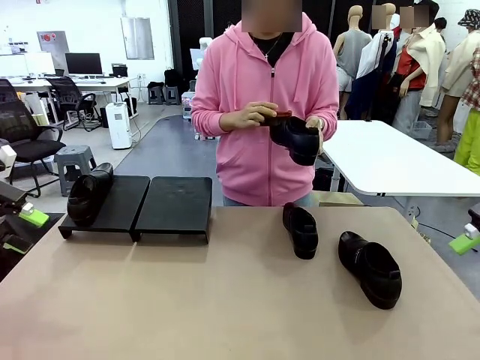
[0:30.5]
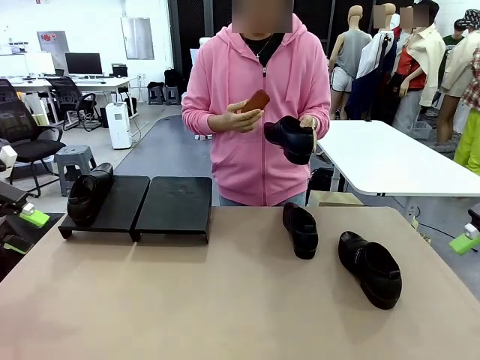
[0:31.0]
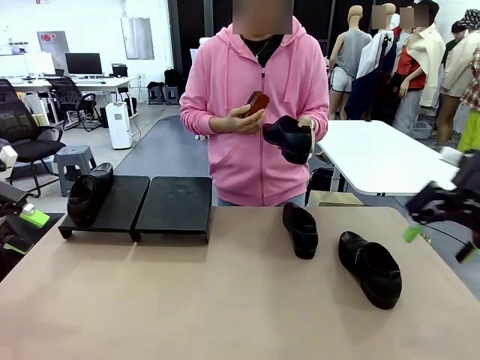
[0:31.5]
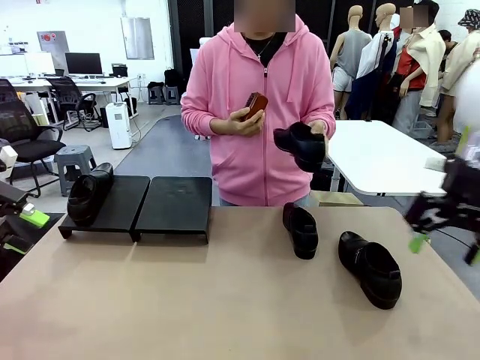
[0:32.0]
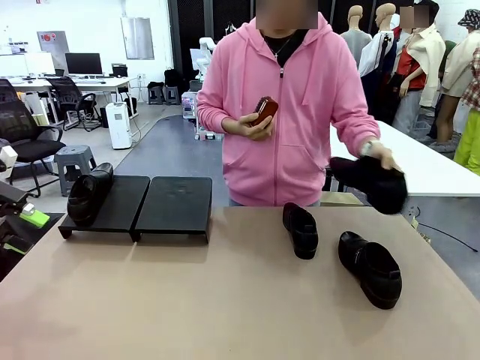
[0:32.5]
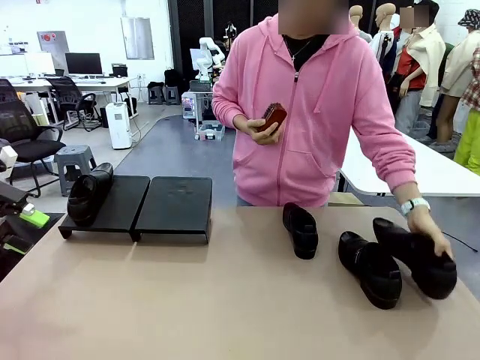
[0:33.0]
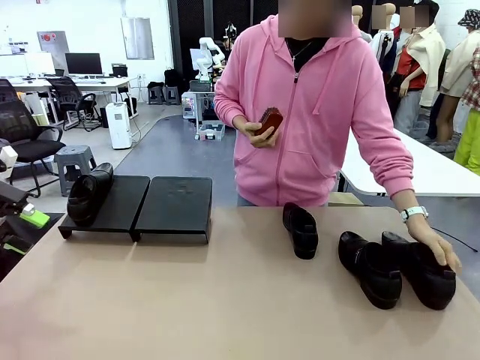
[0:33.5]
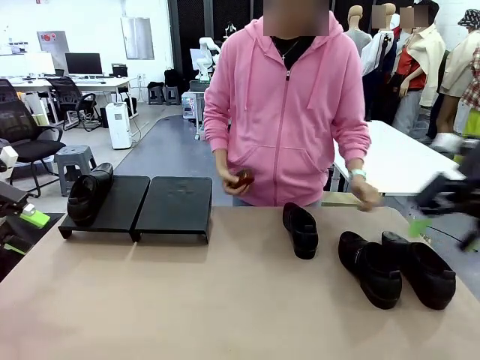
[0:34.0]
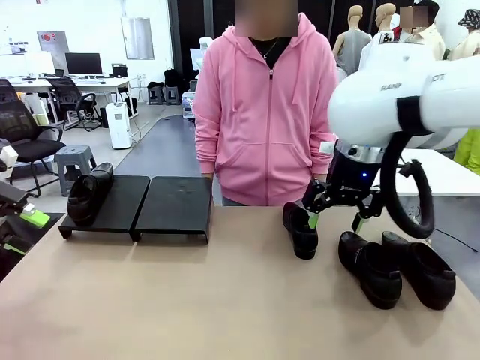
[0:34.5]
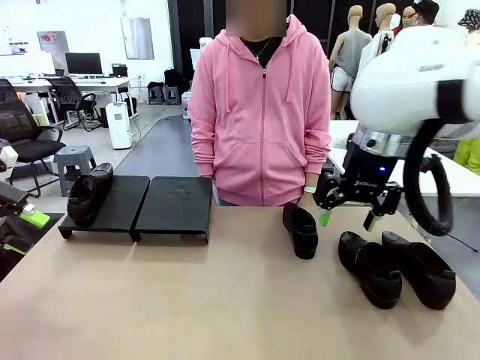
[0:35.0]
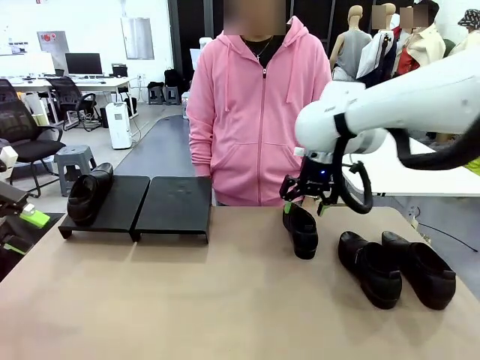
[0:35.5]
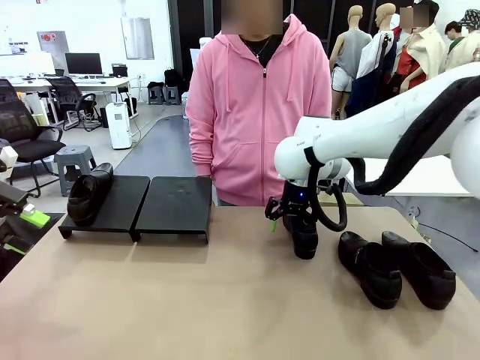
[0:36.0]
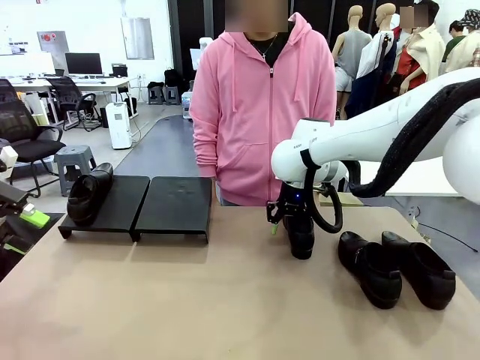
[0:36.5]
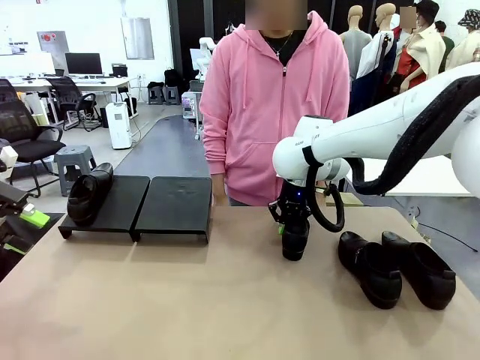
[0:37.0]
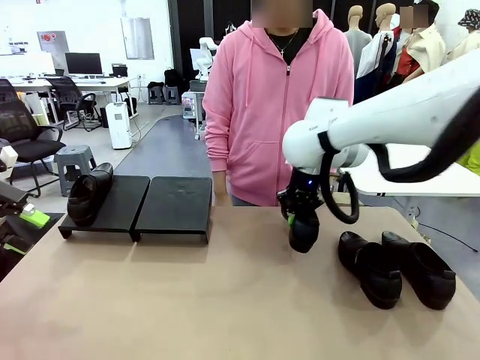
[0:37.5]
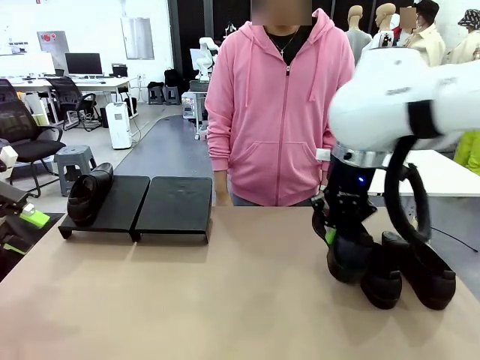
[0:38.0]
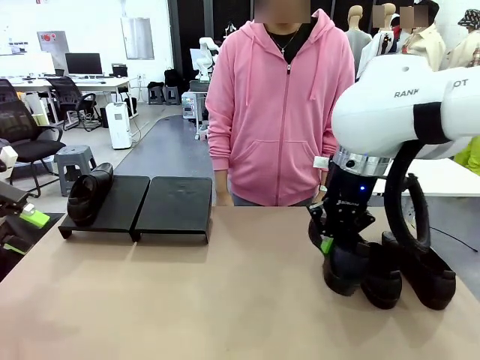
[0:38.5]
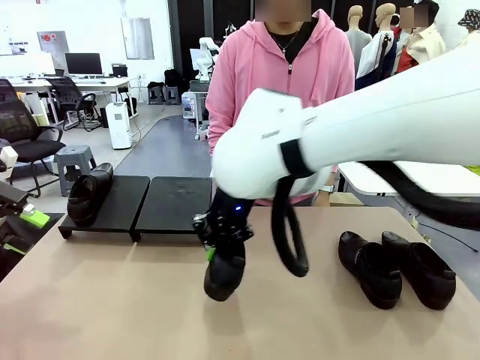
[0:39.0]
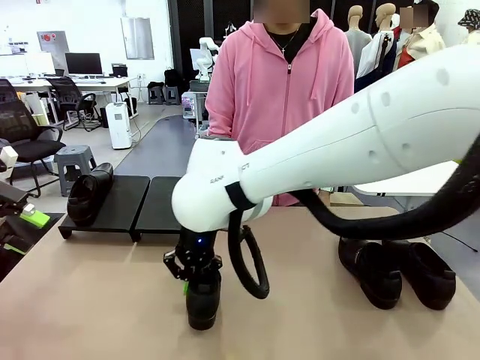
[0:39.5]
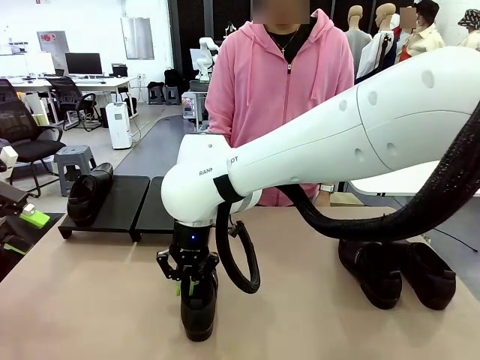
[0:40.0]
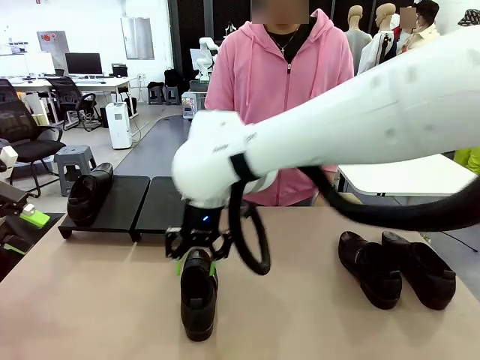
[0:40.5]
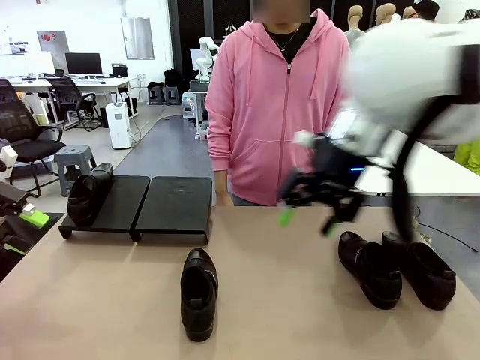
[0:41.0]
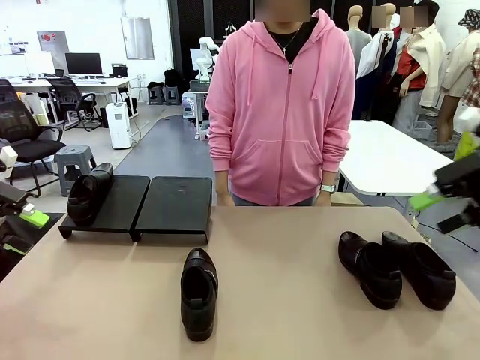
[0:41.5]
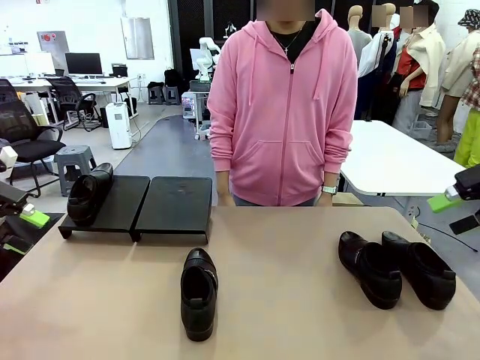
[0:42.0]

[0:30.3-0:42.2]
Task: Organize the shoes by placing them on the stand.
Robot: Pick up one Shoe and place it in the middle of the table.

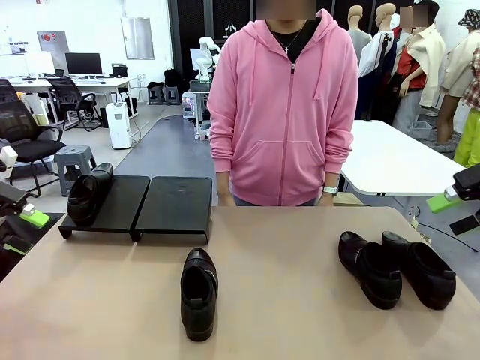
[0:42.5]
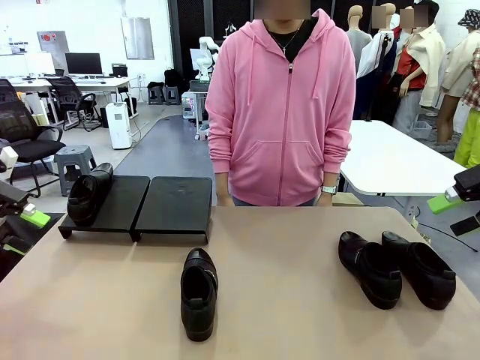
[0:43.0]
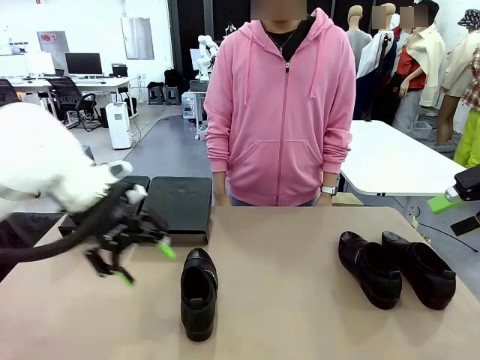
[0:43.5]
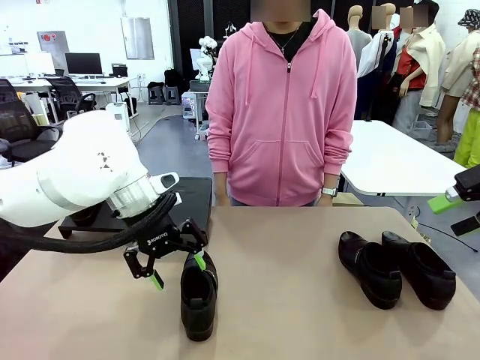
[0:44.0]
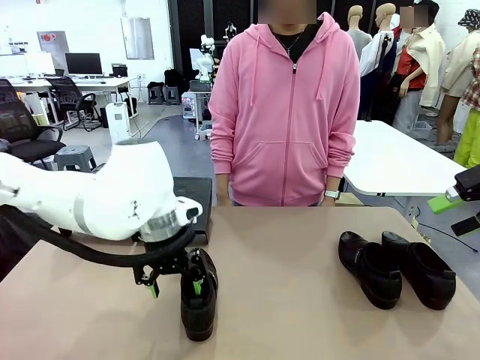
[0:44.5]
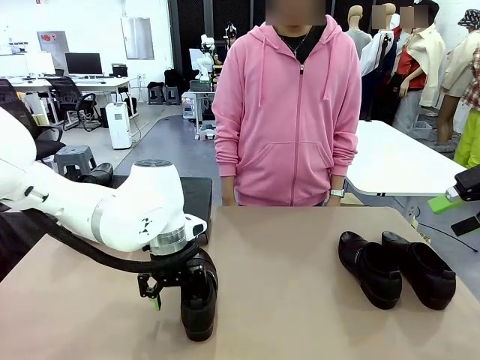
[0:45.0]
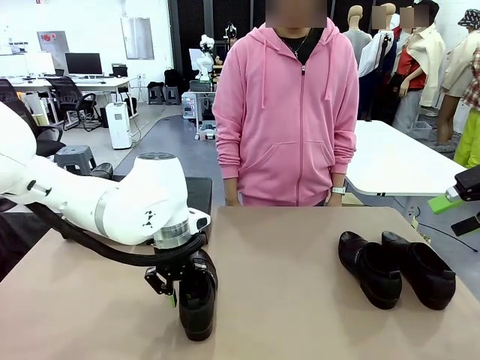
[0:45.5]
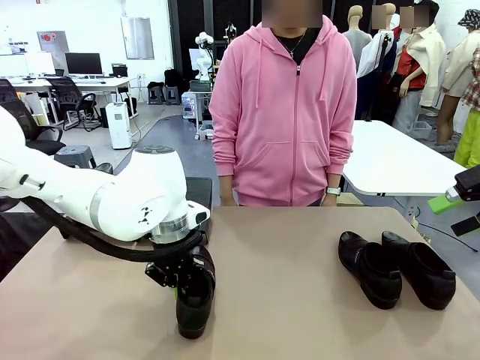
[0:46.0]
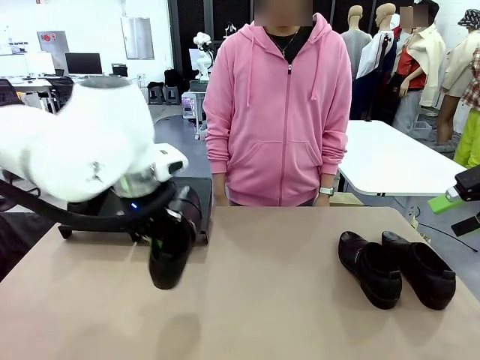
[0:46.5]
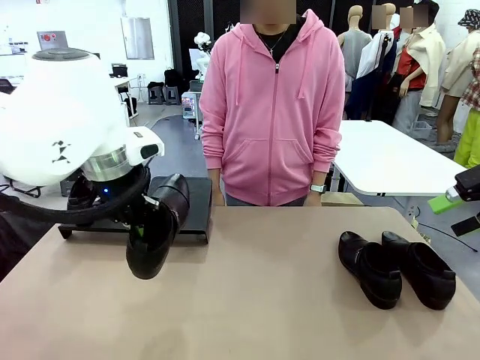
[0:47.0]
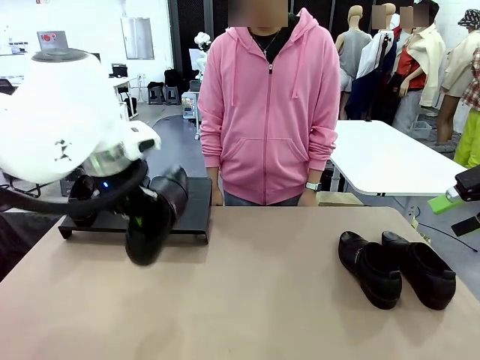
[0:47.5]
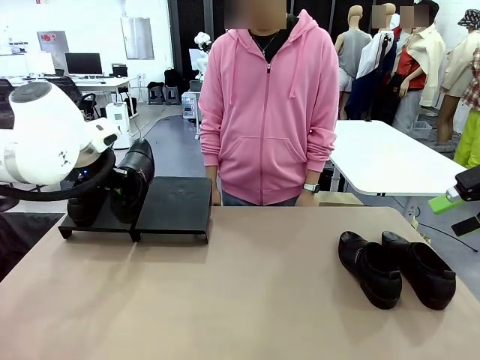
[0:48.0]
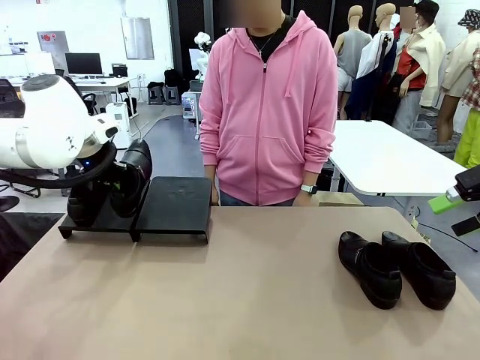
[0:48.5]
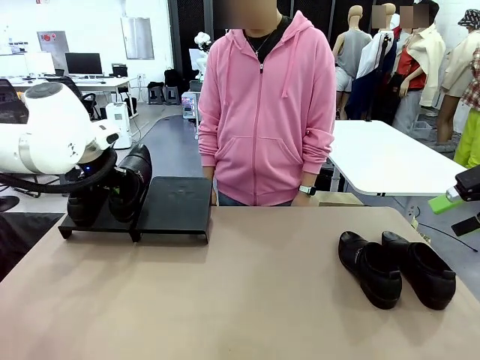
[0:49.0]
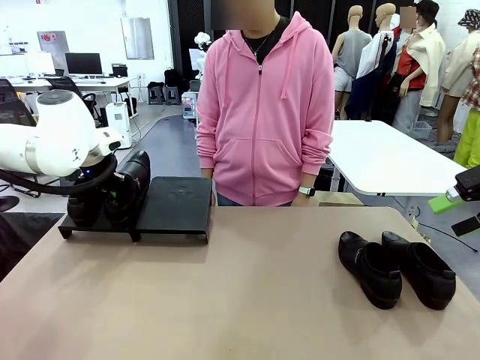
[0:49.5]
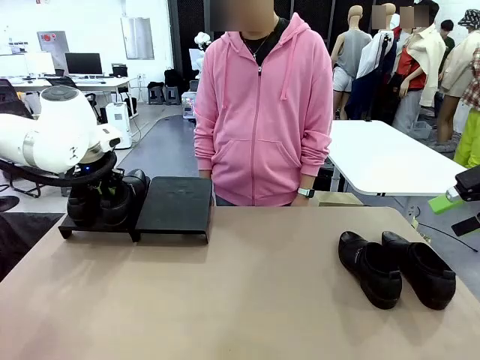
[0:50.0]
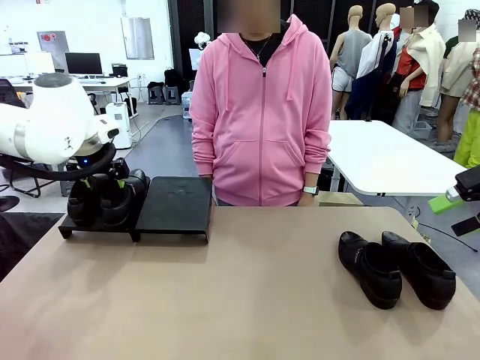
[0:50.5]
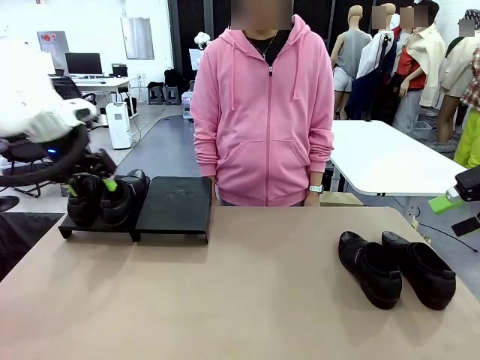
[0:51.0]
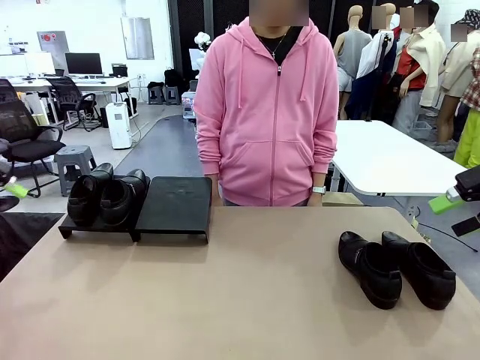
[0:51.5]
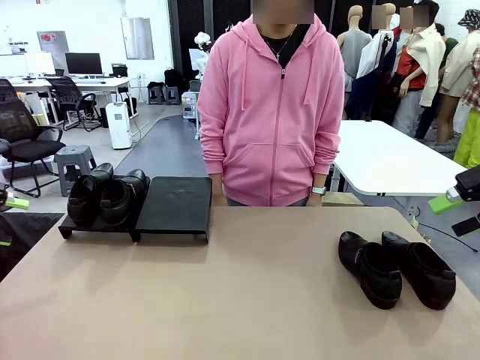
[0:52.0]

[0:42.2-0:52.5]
Robot: Place the Shoe from the middle of the table onto the Shoes Stand.

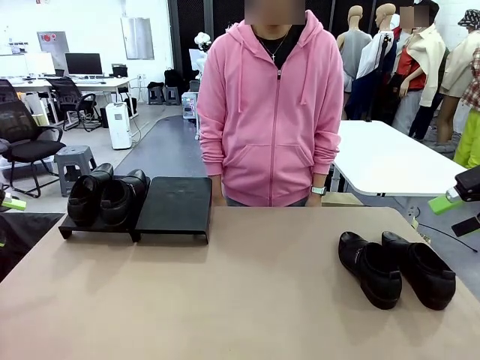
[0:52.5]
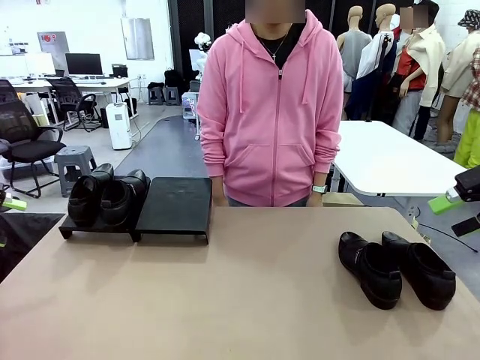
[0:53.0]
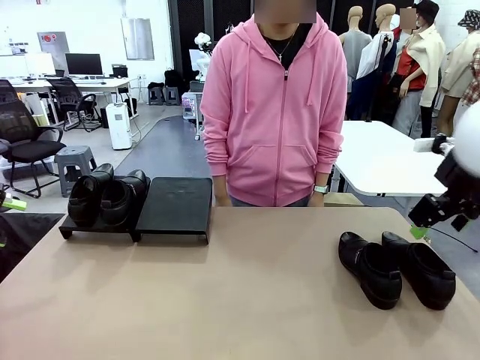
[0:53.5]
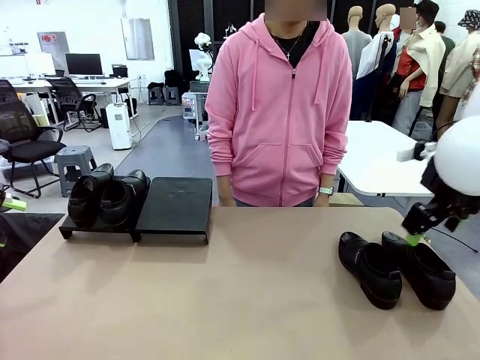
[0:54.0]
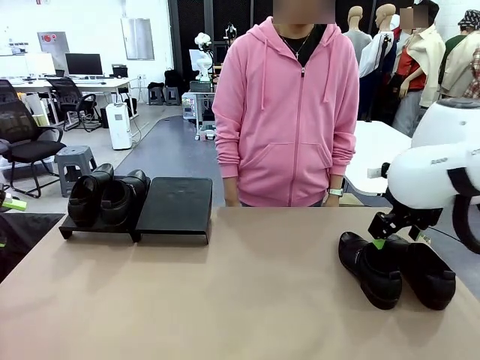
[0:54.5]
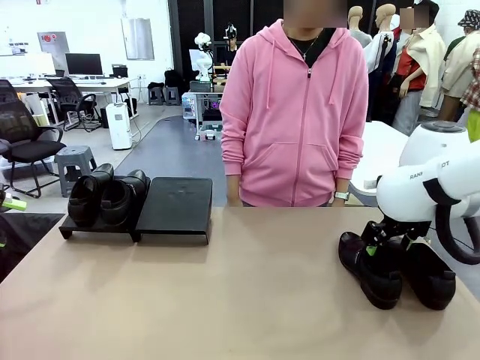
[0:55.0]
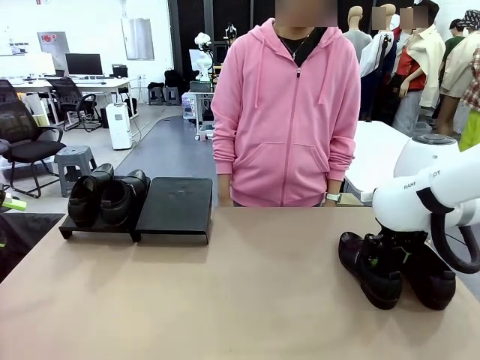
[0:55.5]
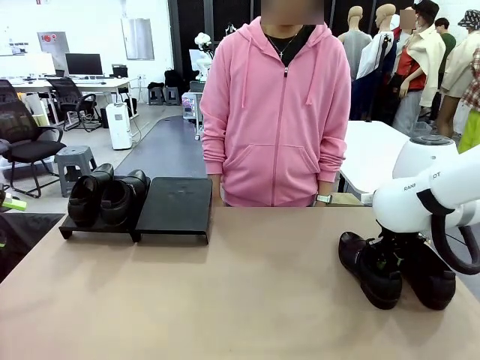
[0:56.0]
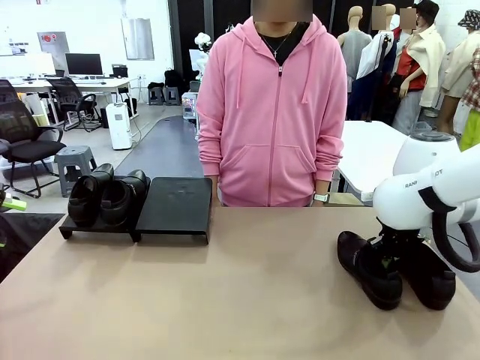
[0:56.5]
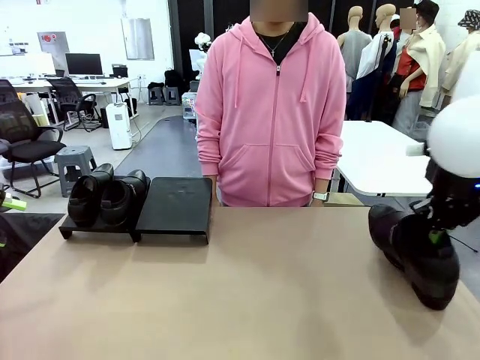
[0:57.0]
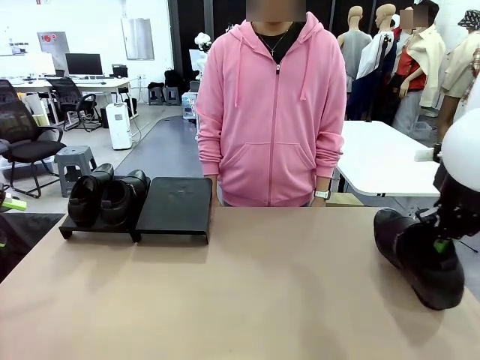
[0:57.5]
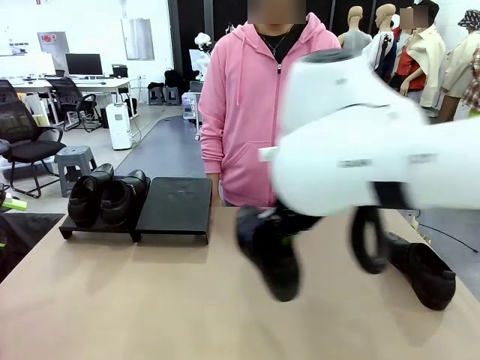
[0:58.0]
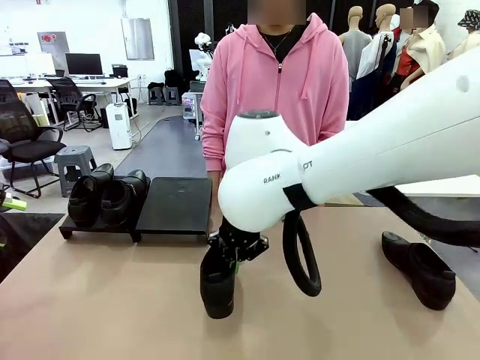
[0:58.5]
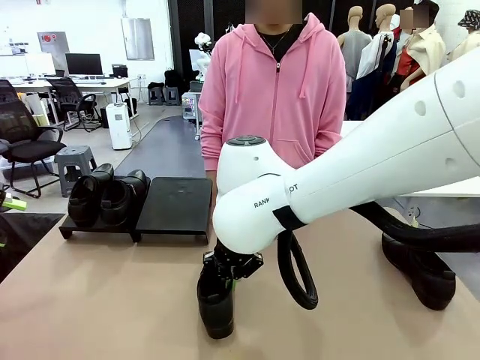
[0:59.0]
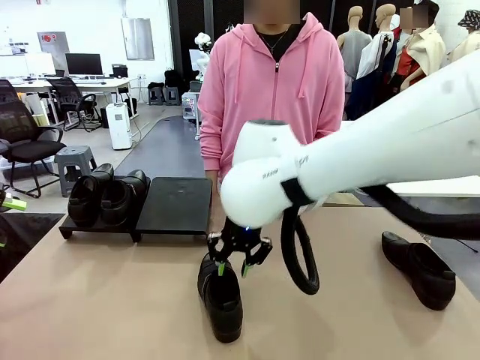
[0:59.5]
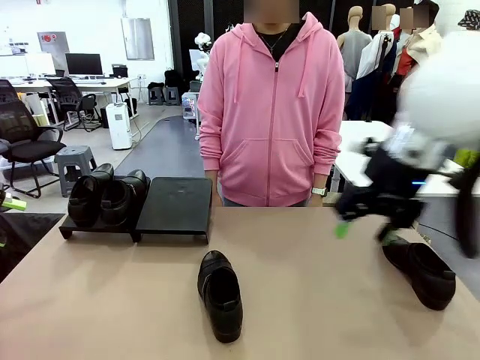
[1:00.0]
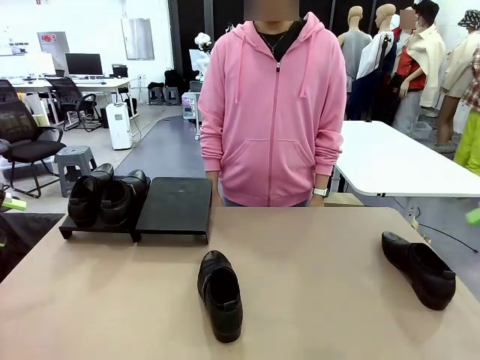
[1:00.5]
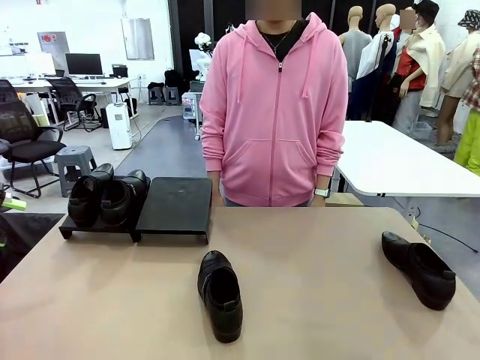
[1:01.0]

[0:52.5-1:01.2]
Robot: Pick up one Shoe and place it in the middle of the table.
